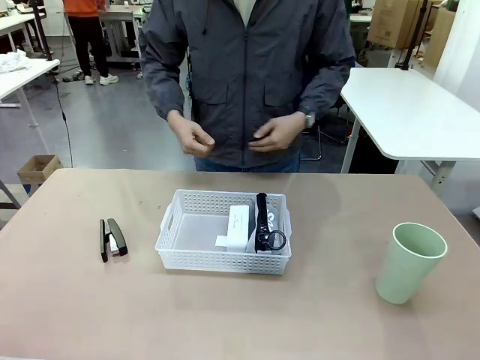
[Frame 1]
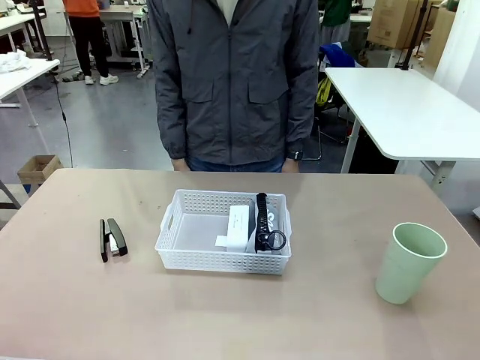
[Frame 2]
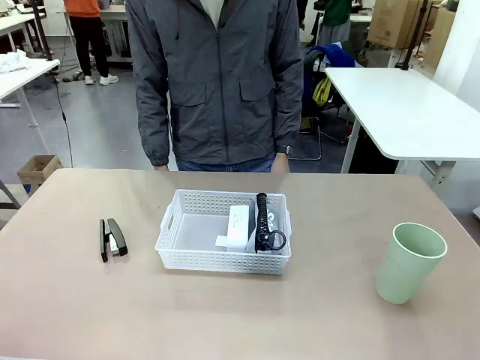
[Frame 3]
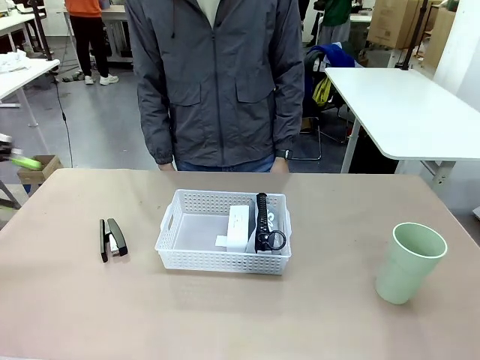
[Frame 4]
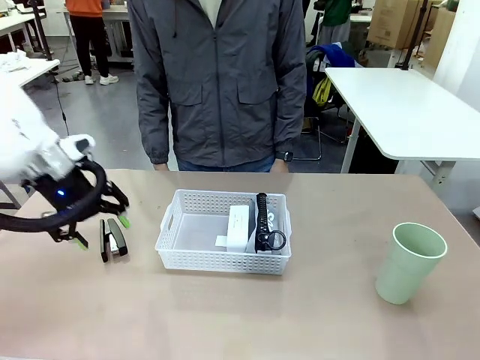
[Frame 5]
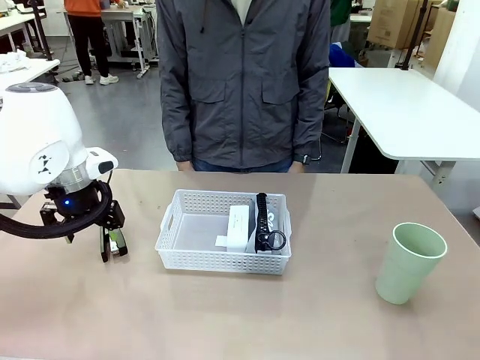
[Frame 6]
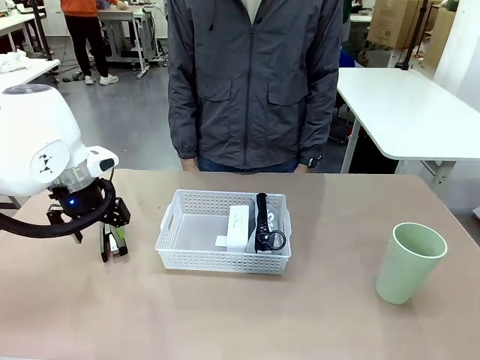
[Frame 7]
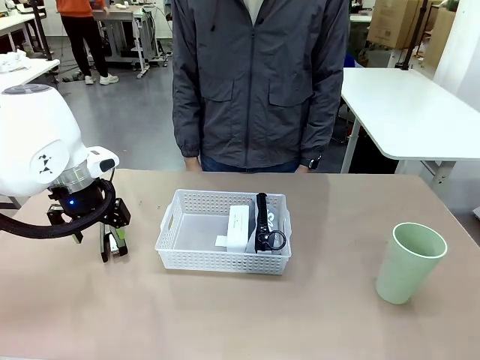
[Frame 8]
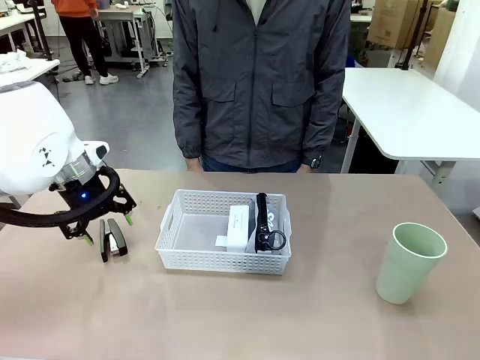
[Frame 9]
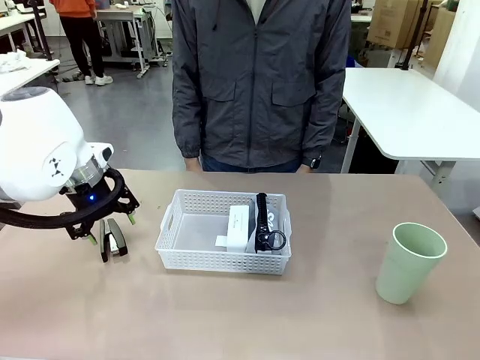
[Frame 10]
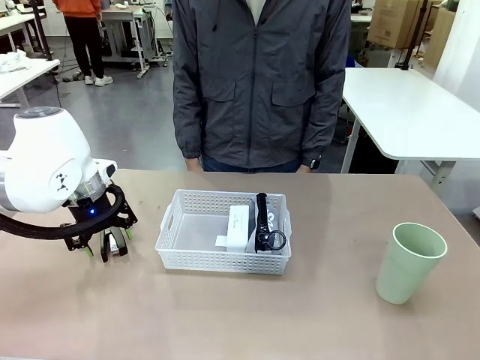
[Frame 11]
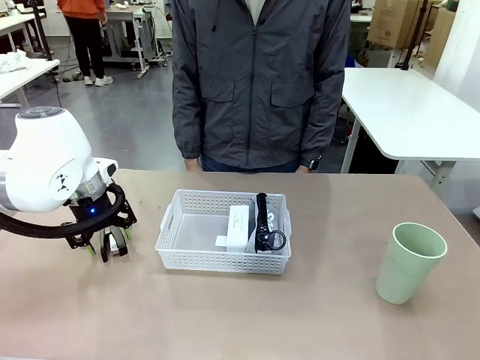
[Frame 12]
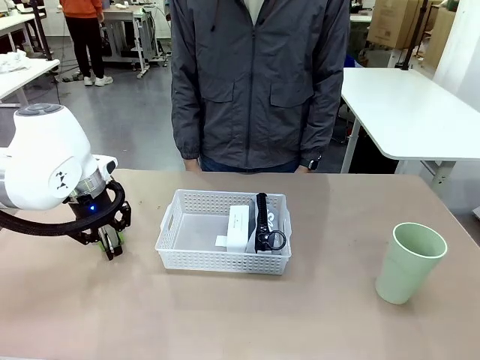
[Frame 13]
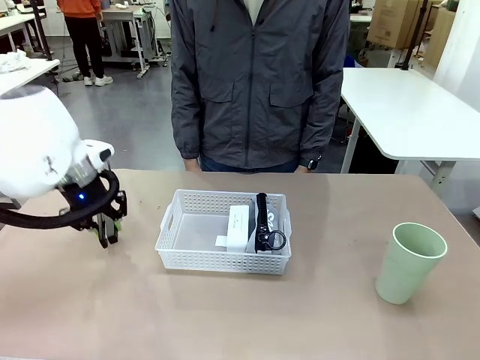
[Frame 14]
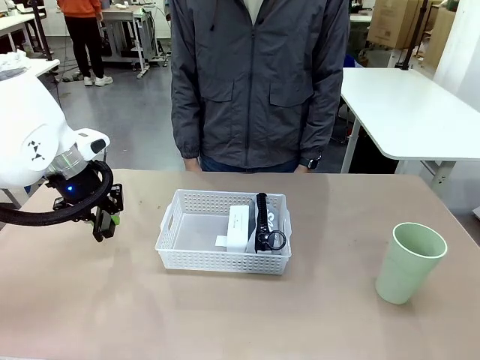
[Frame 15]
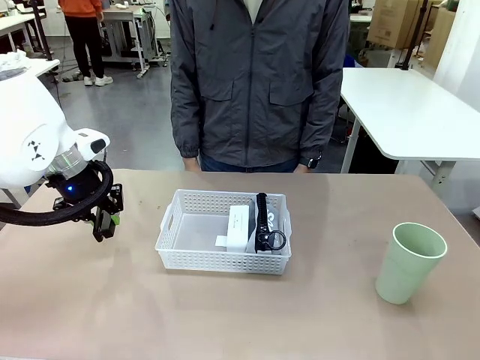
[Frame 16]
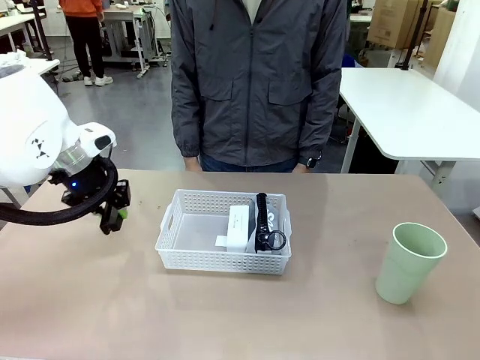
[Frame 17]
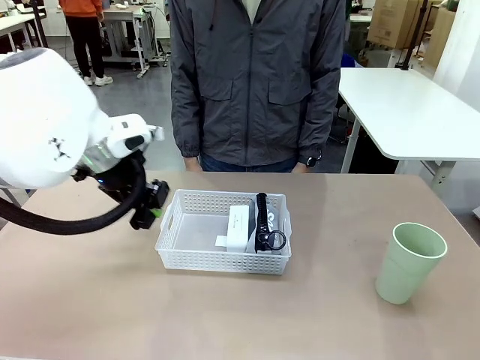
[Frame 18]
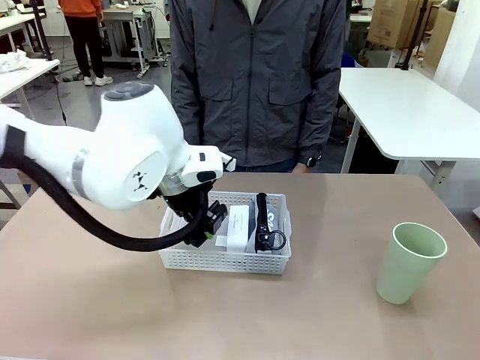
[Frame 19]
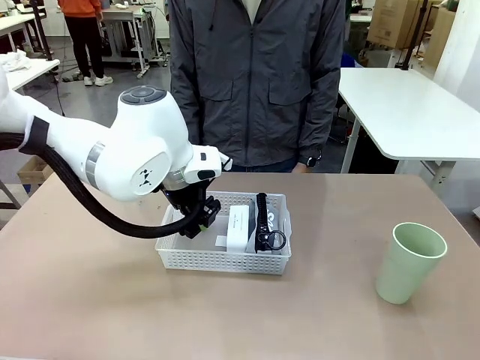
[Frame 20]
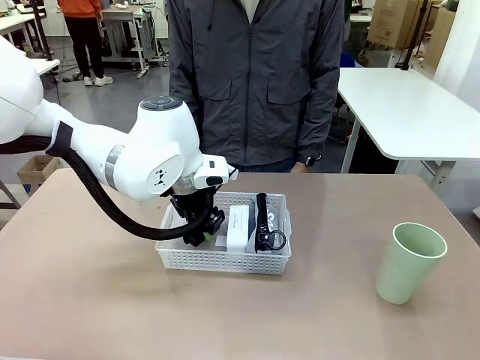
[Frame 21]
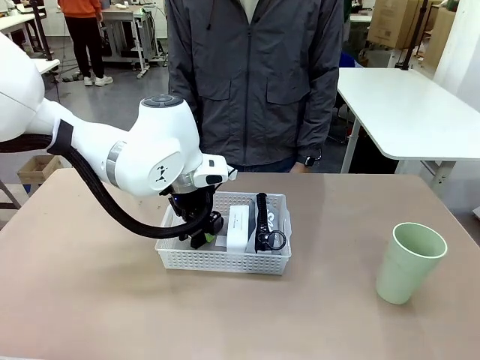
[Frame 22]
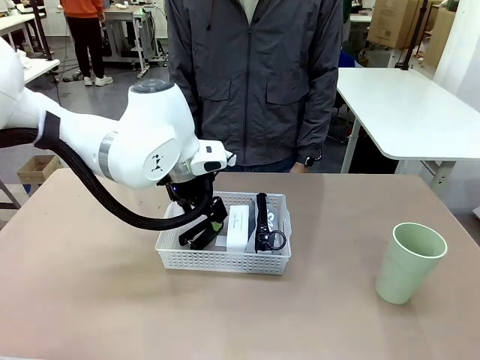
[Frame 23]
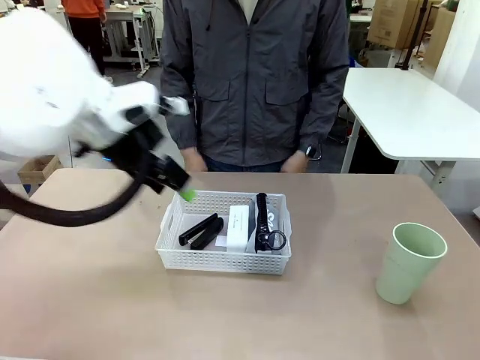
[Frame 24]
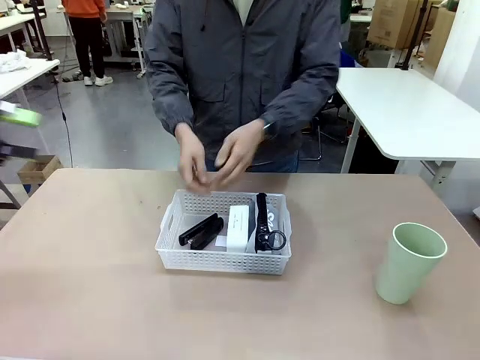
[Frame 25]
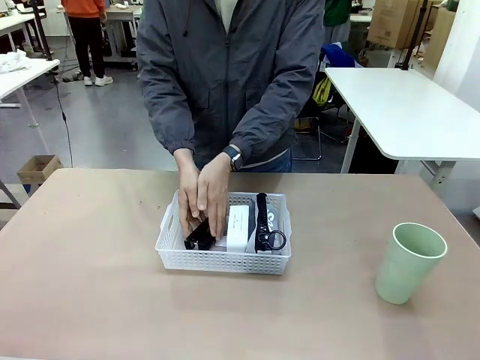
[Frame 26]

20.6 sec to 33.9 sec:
Task: Efficiently arrange items inside the basket to fit them all.
Robot: Pick up the Stapler and place it inside the Organizing basket.

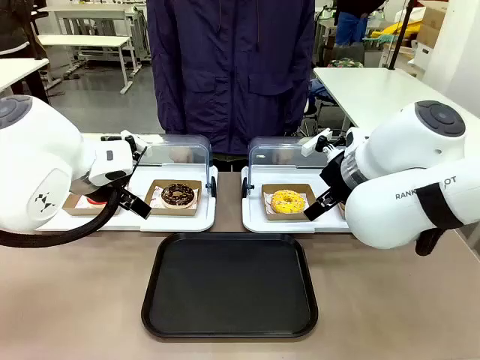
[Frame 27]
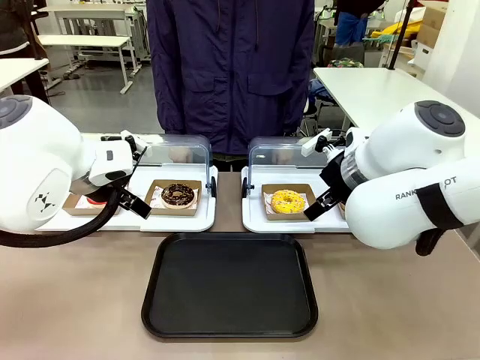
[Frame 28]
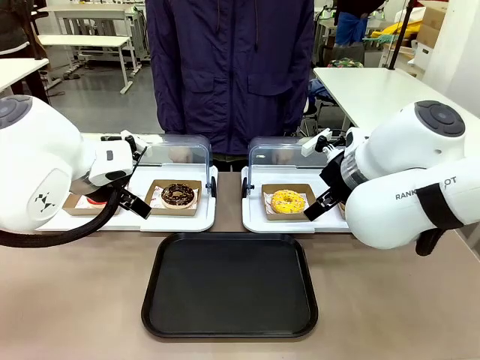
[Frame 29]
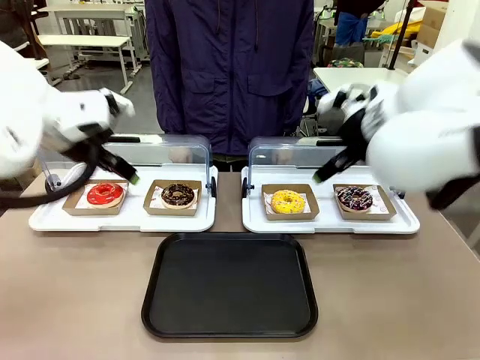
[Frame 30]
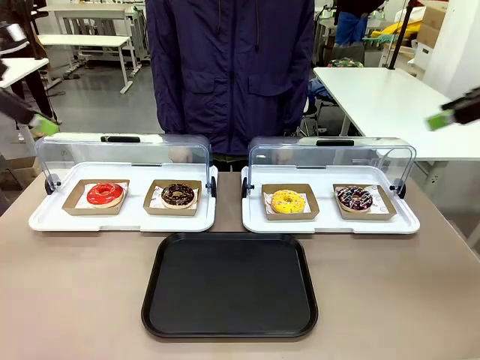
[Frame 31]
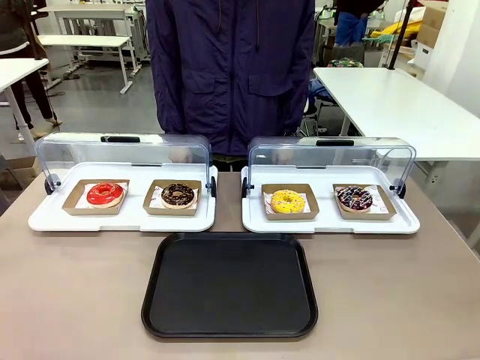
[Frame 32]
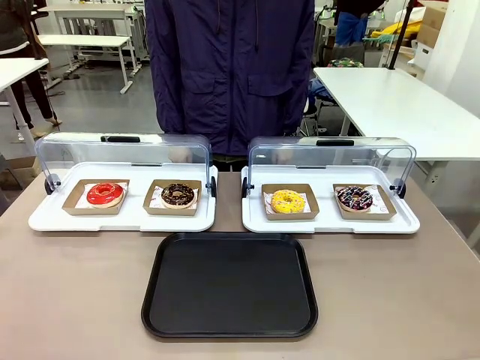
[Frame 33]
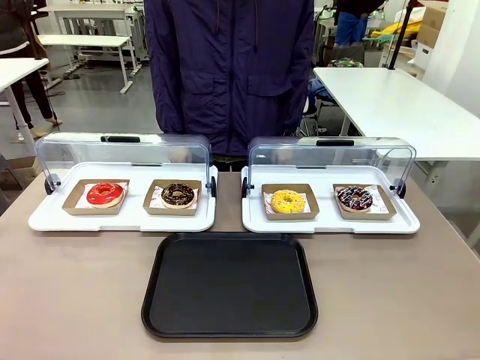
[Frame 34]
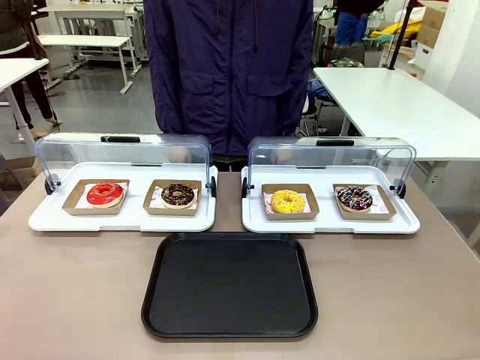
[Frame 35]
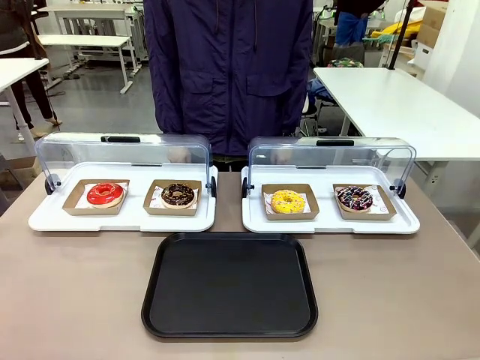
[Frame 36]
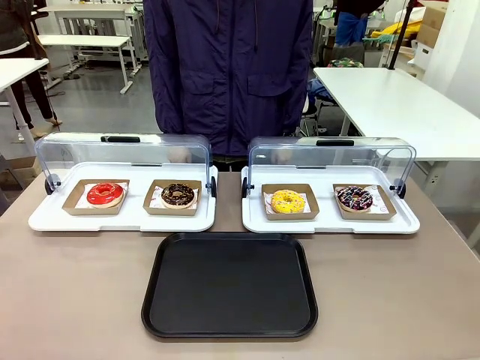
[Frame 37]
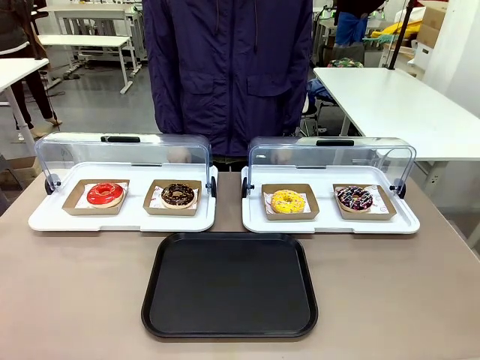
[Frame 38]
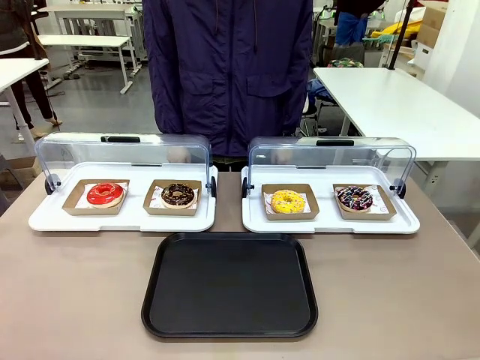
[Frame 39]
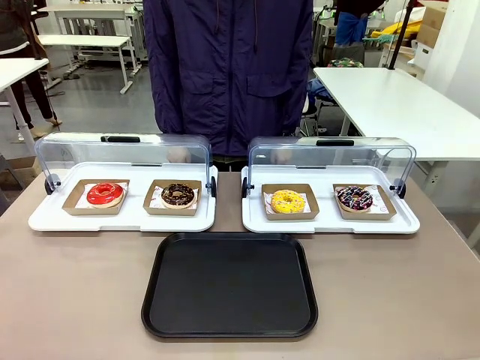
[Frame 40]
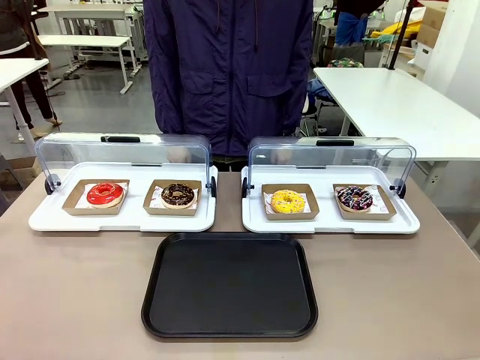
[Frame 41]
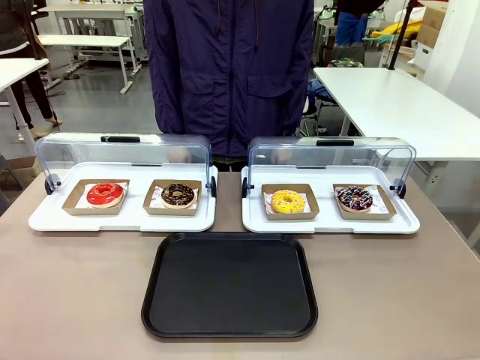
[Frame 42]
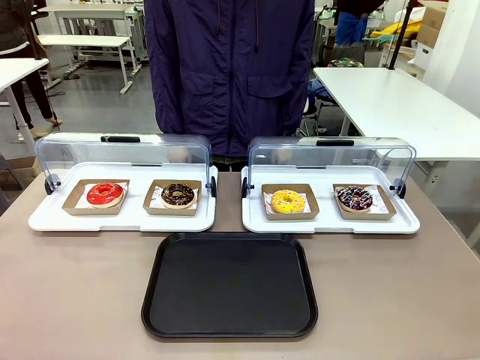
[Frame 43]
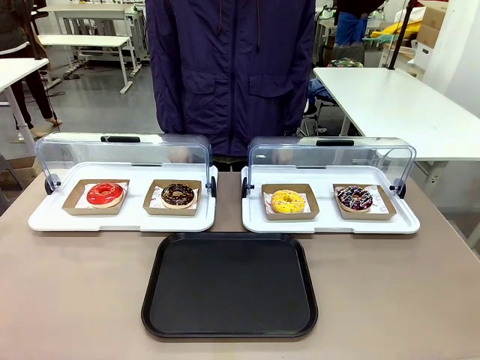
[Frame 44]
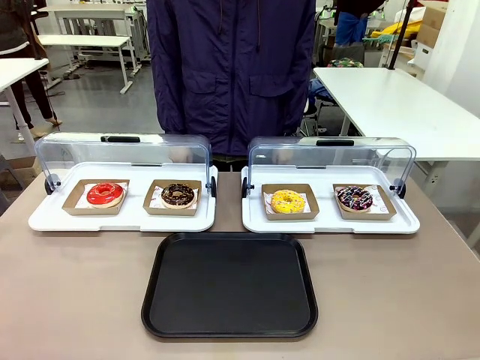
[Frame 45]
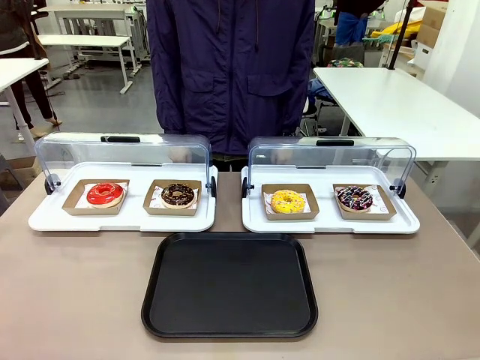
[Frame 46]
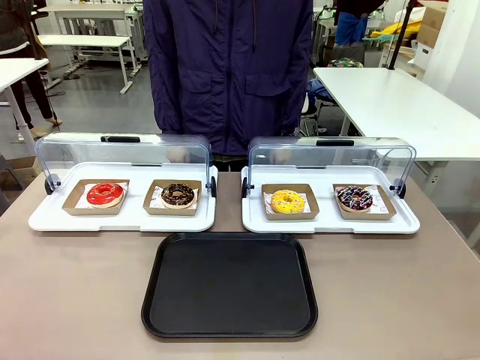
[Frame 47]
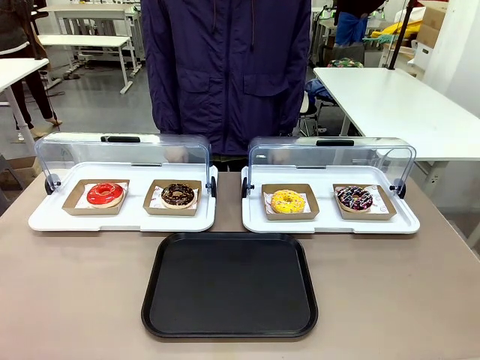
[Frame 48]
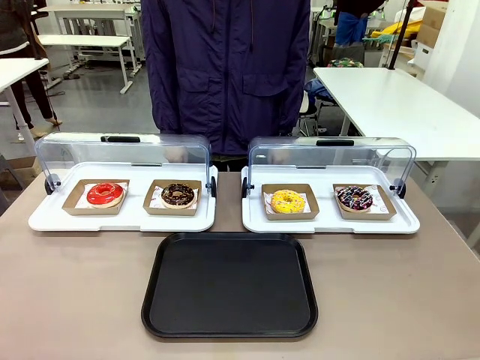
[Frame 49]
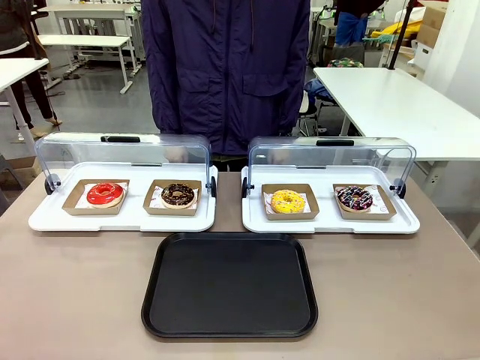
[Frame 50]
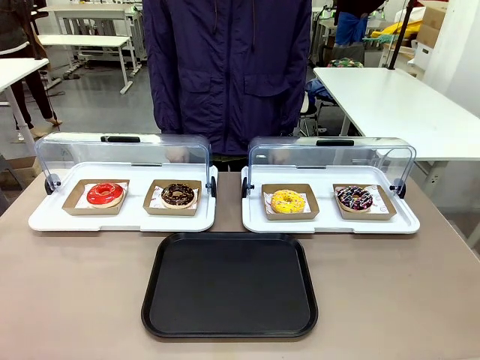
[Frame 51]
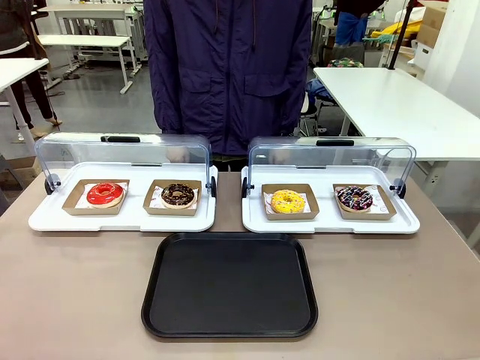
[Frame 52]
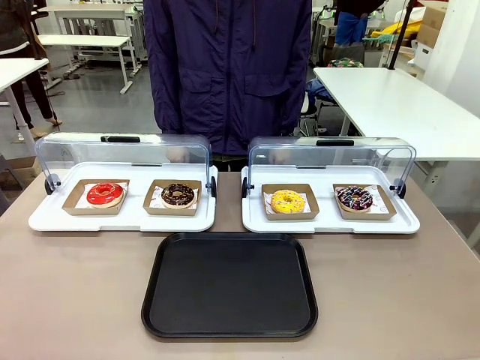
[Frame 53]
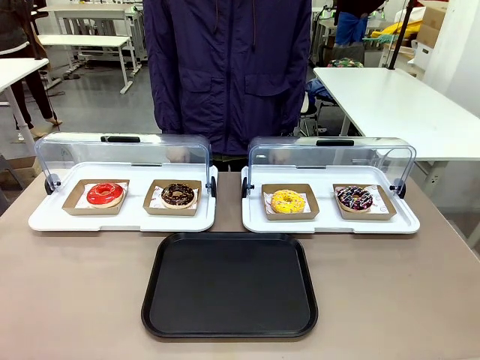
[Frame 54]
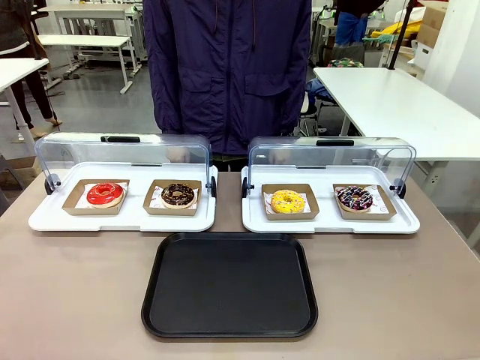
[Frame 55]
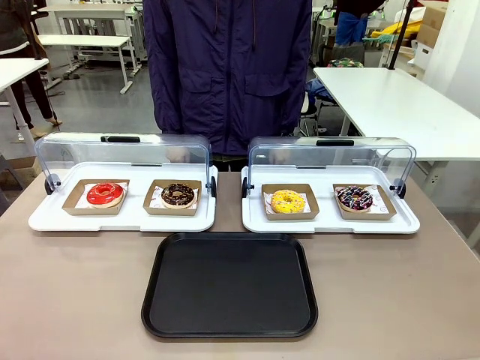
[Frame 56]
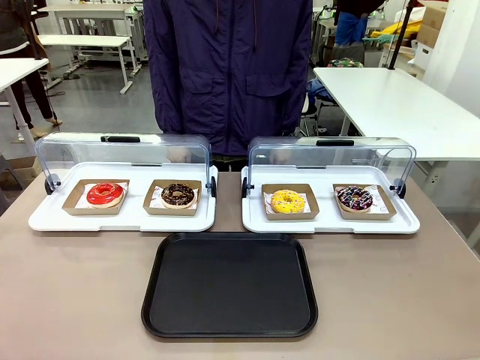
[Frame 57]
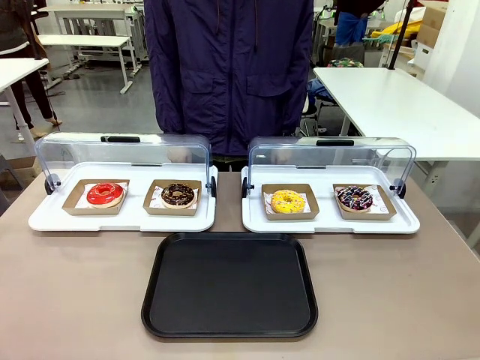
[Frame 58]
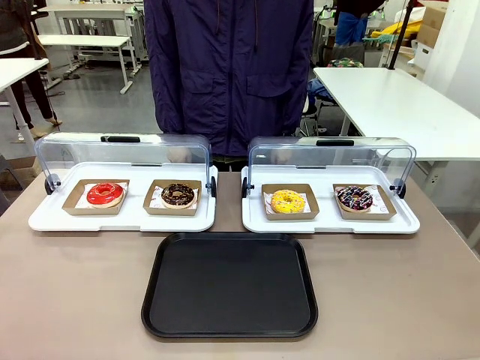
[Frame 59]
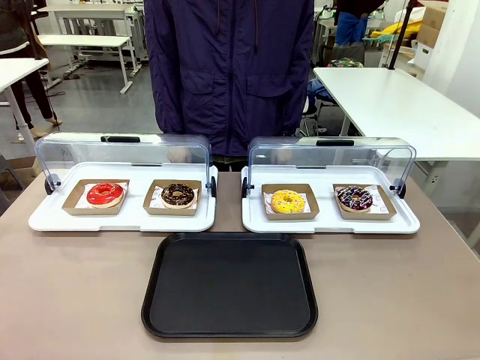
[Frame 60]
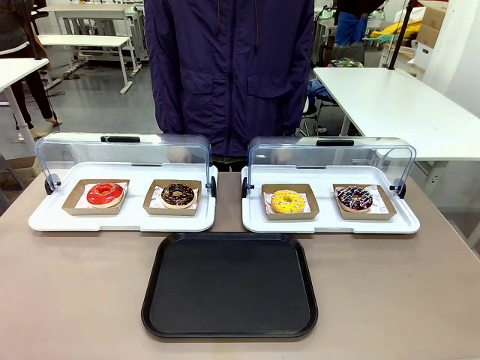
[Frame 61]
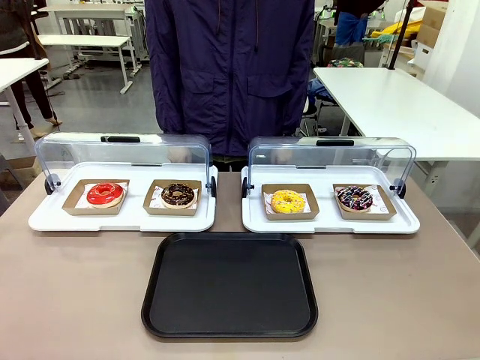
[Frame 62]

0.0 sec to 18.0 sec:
Task: Move the third donut from the left to the tray.
Robot: Pick up the Paper togo box containing the Donut indicated by the person and place it on the Handle tray.
